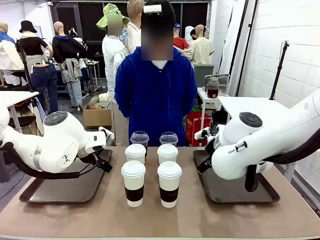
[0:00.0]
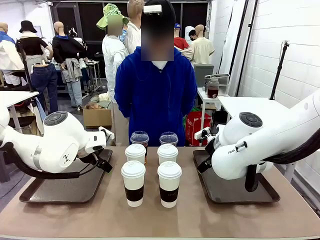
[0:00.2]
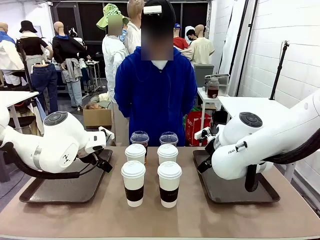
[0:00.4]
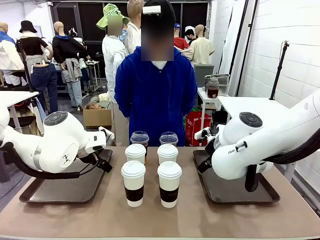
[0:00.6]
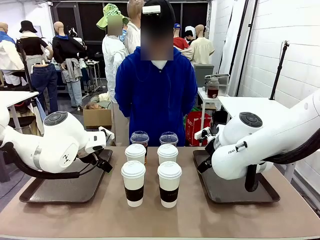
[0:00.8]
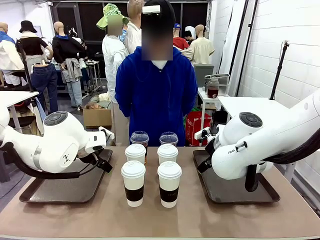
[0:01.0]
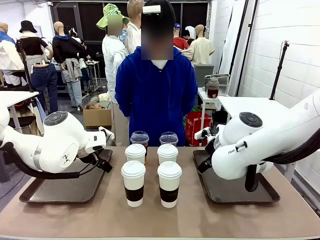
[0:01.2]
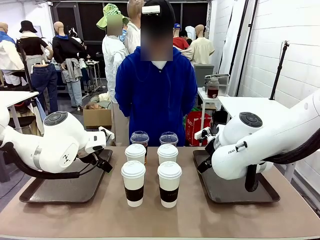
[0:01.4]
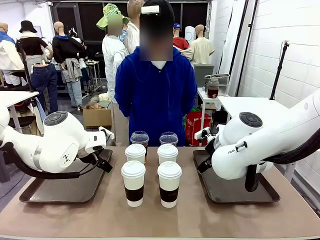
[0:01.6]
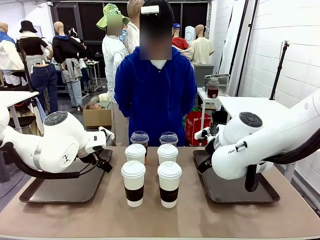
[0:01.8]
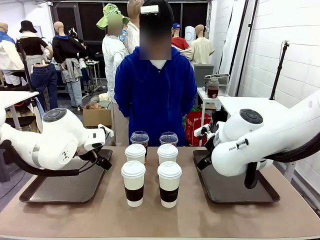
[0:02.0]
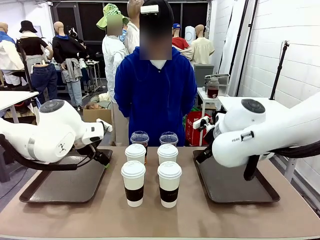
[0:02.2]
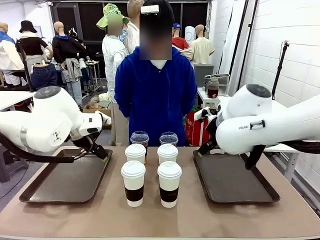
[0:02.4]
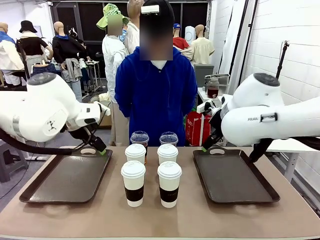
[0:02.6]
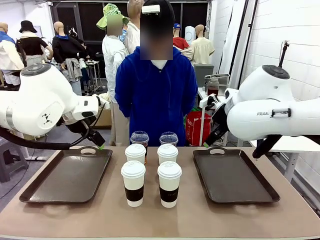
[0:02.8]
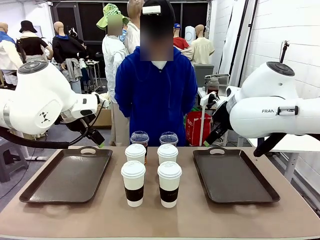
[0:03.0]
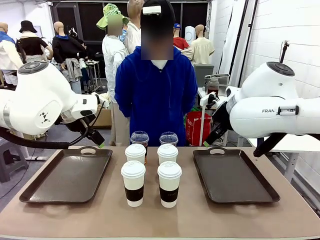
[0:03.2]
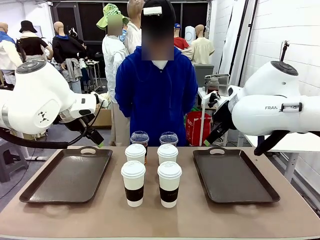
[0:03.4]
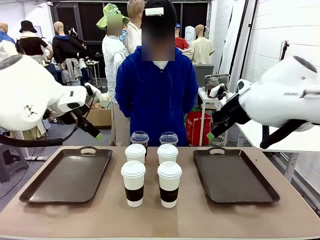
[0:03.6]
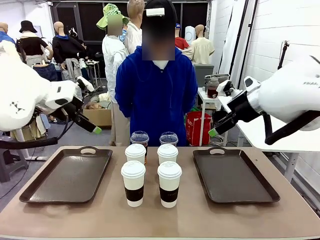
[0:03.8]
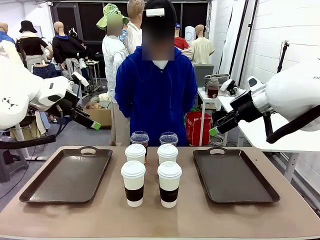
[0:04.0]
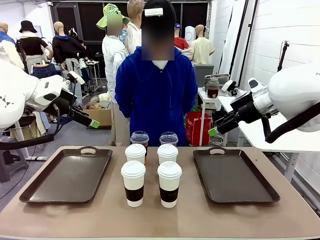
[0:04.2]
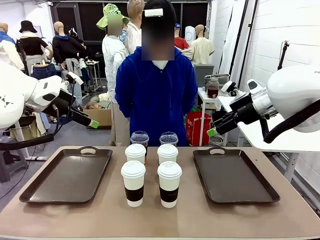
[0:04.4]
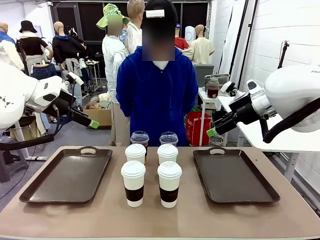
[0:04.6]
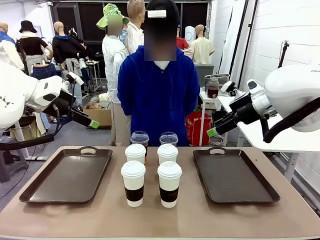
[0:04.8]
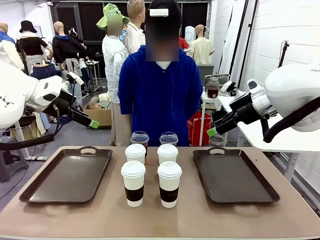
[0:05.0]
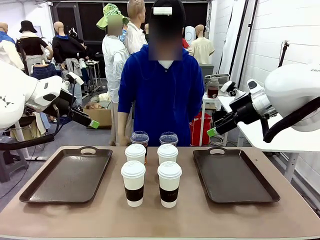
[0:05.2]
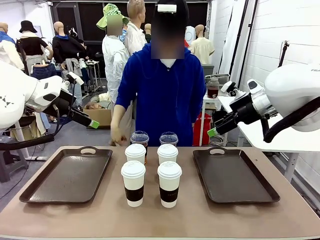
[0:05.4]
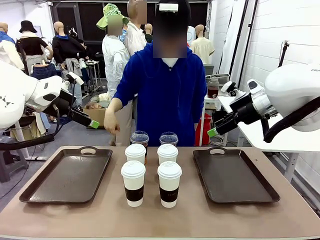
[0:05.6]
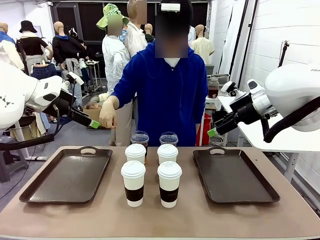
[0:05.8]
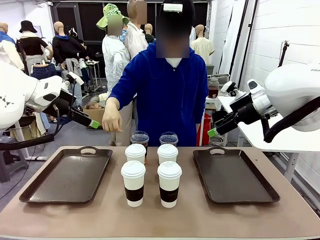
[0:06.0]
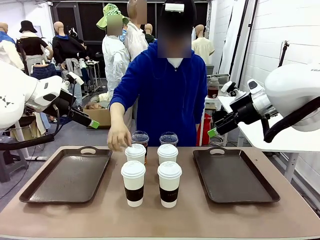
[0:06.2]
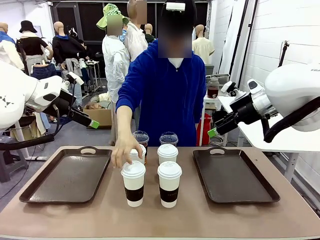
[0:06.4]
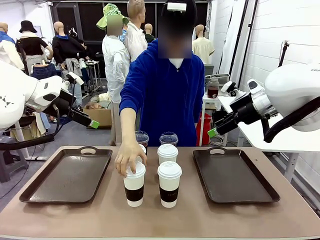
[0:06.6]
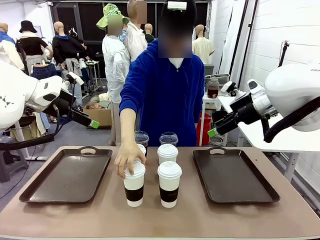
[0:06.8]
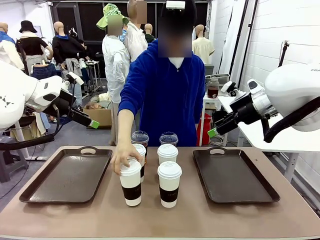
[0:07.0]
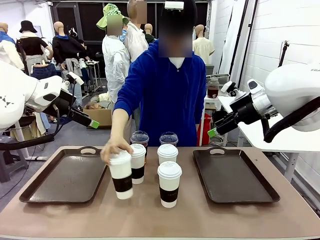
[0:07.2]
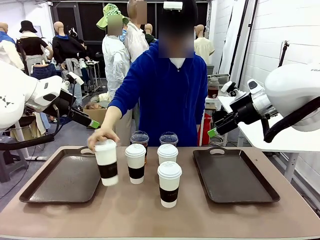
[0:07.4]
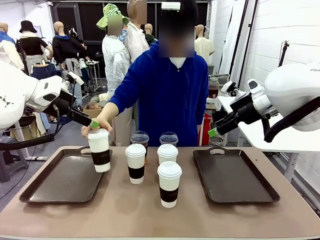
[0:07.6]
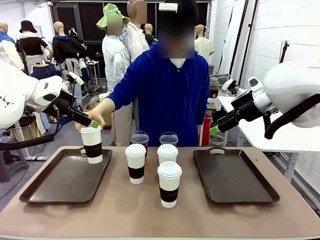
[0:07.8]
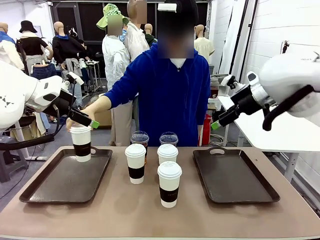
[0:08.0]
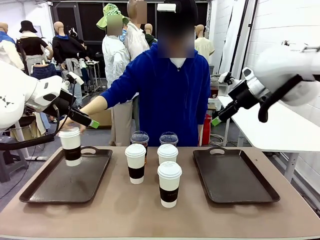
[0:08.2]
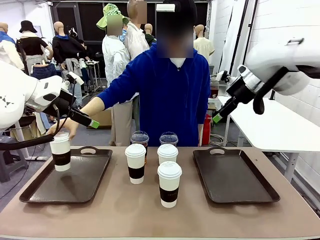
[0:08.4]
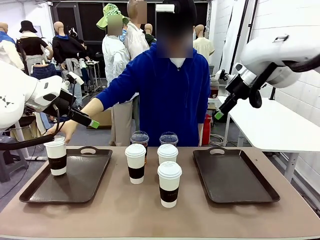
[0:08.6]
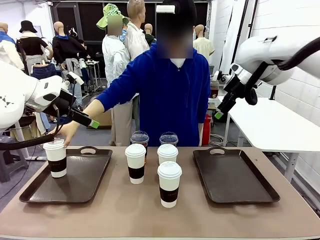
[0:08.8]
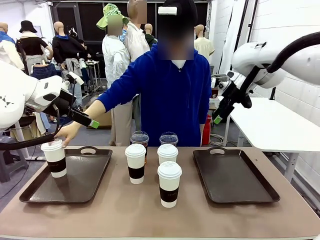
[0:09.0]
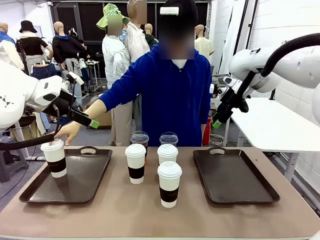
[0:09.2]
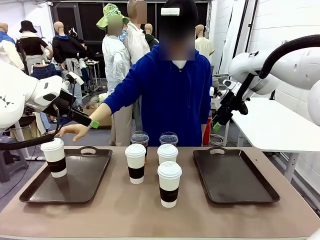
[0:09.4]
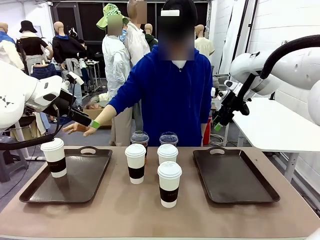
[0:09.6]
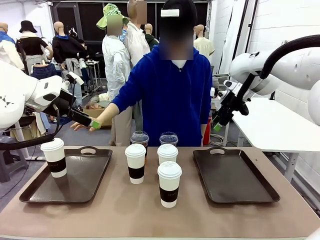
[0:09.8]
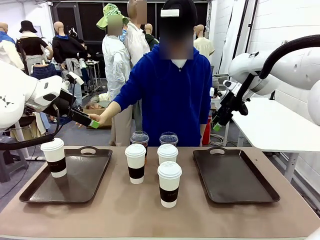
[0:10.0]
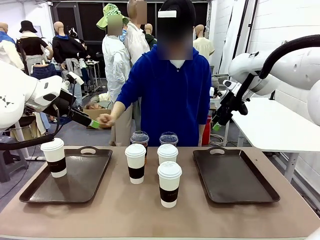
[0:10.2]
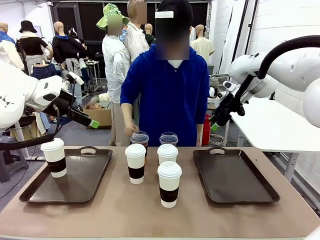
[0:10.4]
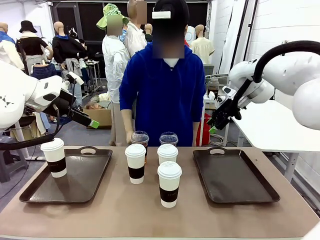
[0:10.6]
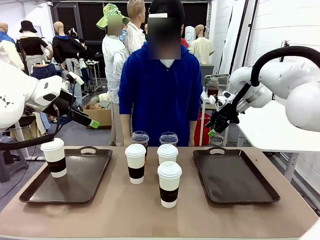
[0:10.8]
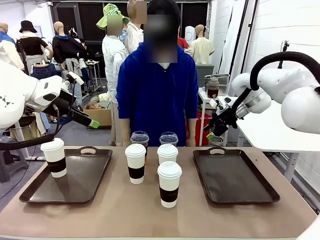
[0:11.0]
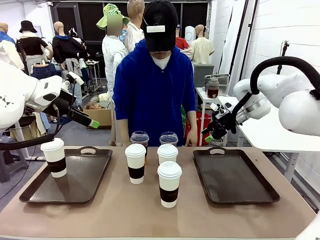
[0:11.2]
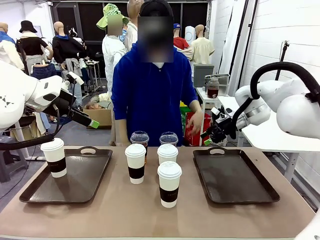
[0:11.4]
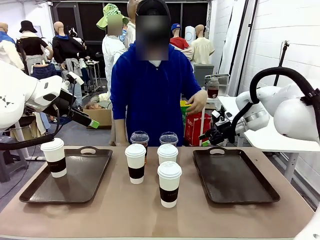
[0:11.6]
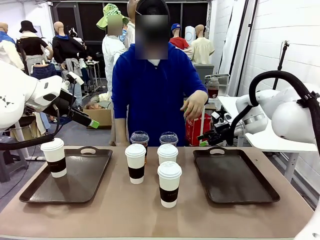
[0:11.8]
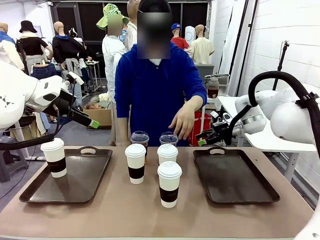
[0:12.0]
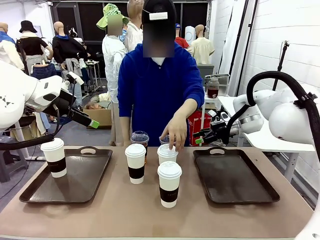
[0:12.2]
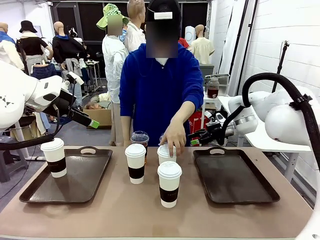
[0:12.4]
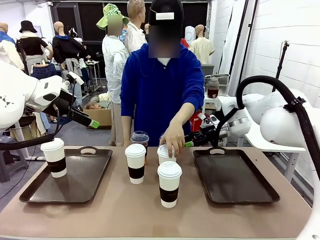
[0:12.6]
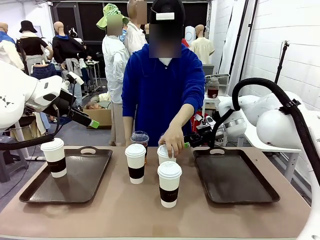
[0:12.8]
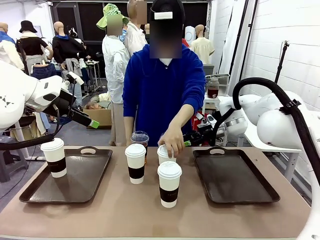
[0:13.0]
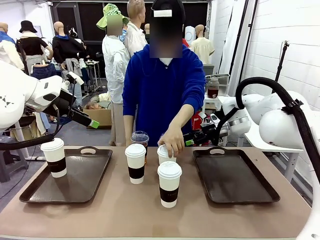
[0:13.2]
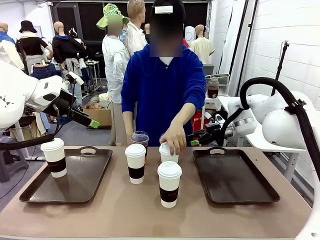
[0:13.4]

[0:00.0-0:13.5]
Task: Distribute the coffee onto the tray.
Robot: Pick up one iced Americano and place it on the right Handle tray.
Person: Pick up a cup of hot Americano and place it on the right tray.
